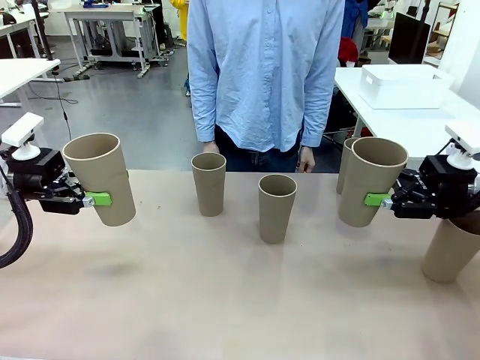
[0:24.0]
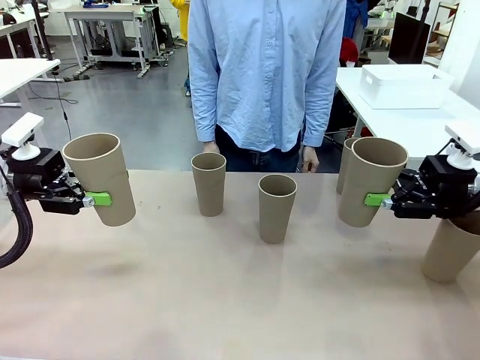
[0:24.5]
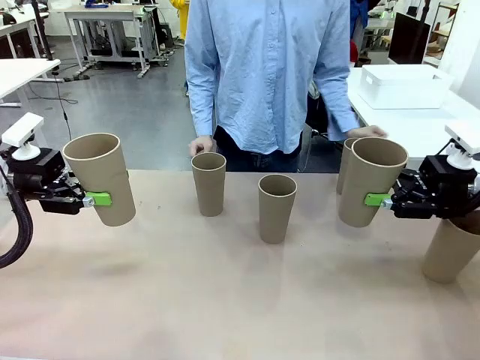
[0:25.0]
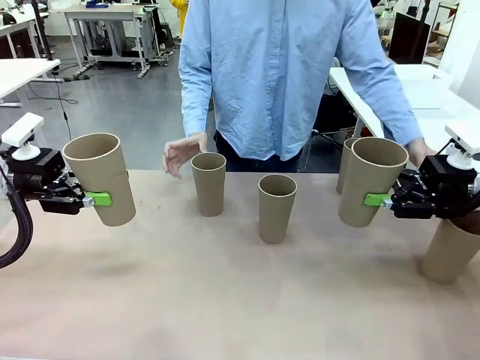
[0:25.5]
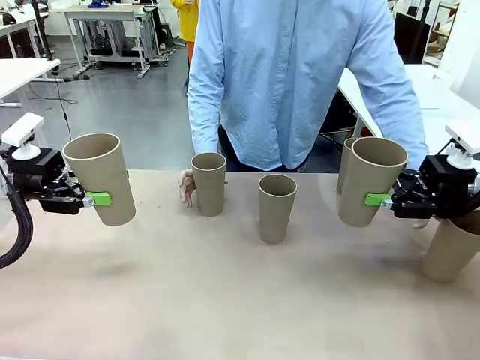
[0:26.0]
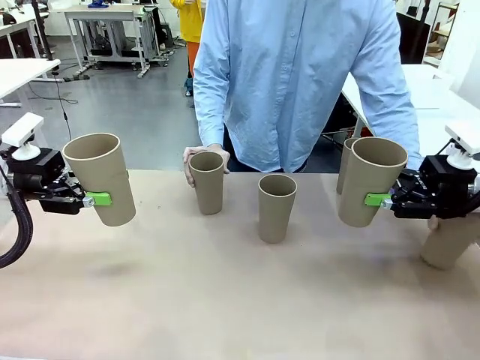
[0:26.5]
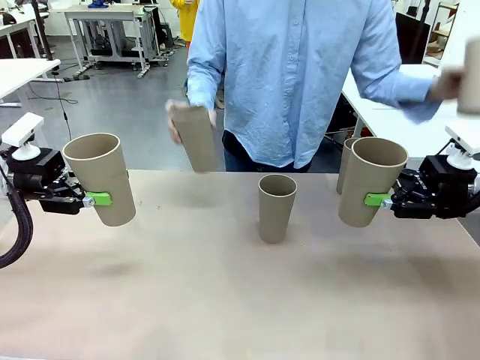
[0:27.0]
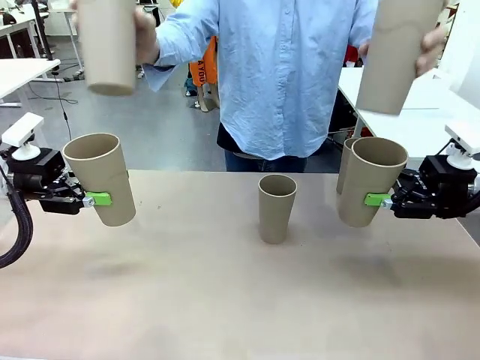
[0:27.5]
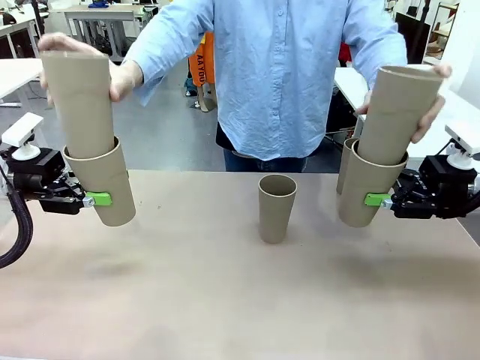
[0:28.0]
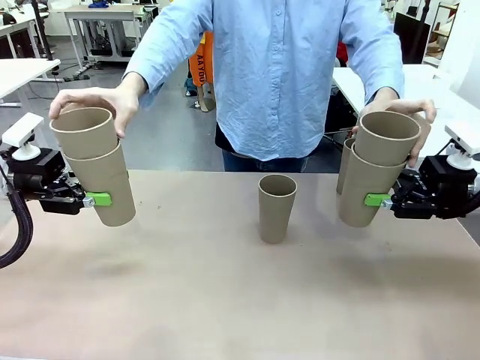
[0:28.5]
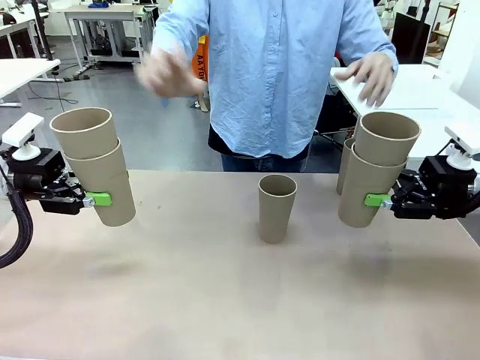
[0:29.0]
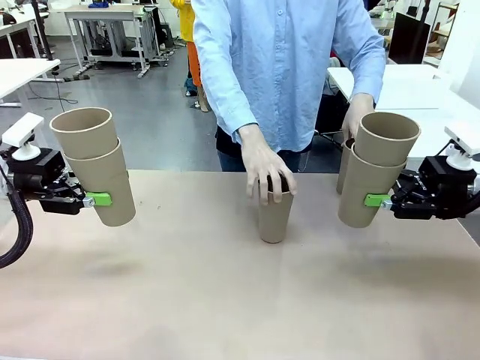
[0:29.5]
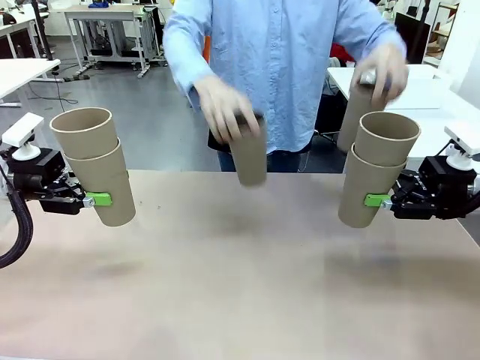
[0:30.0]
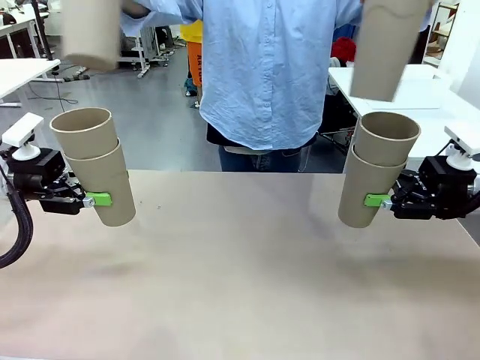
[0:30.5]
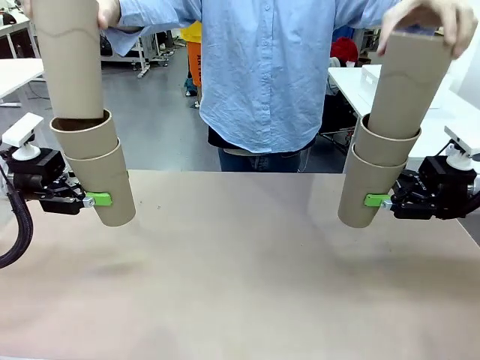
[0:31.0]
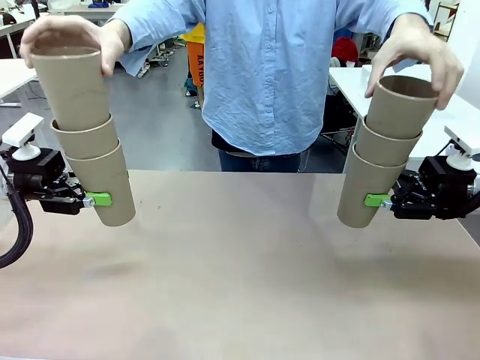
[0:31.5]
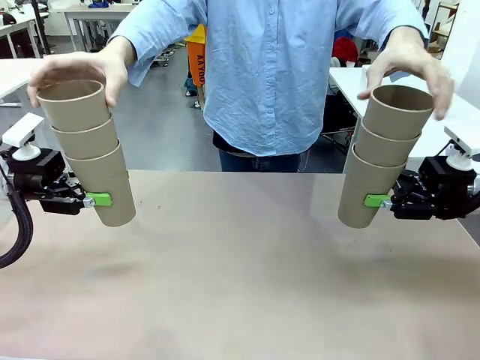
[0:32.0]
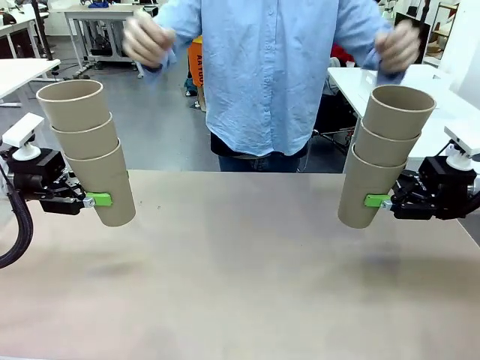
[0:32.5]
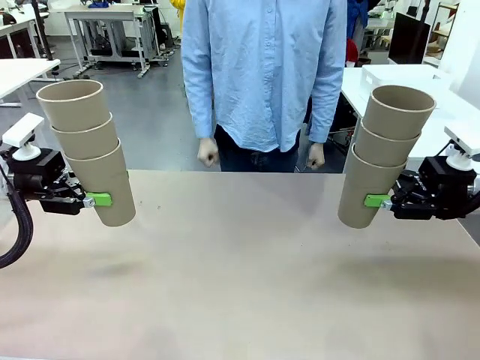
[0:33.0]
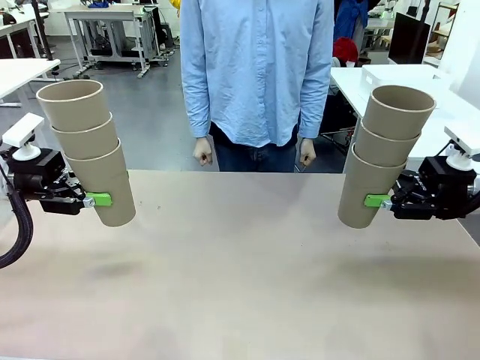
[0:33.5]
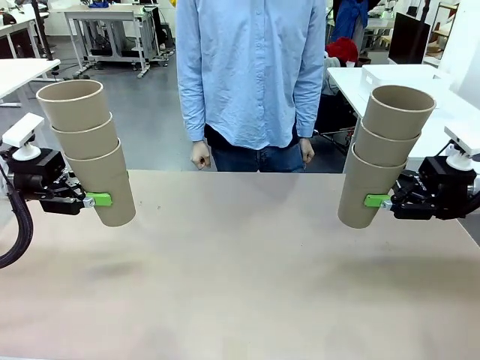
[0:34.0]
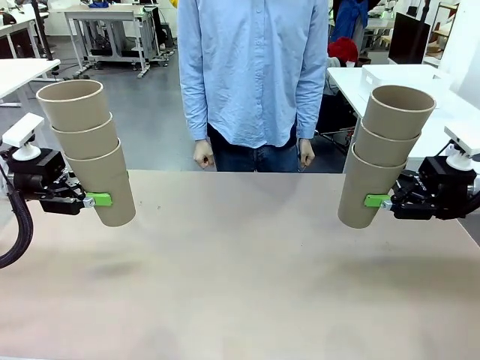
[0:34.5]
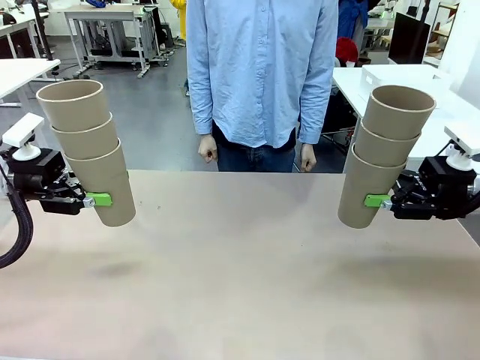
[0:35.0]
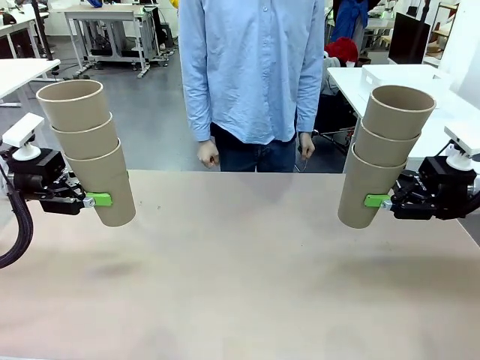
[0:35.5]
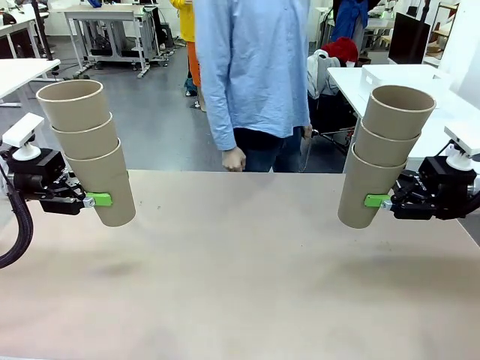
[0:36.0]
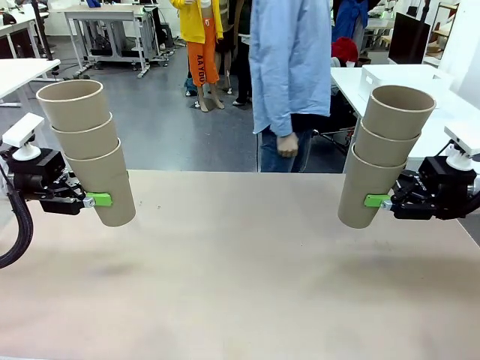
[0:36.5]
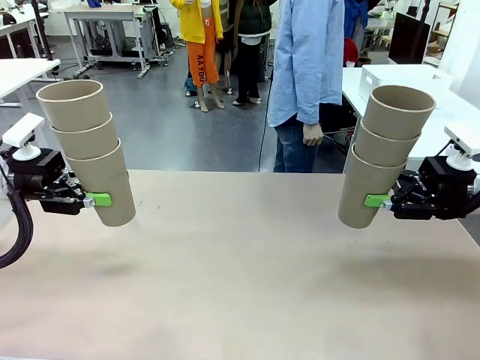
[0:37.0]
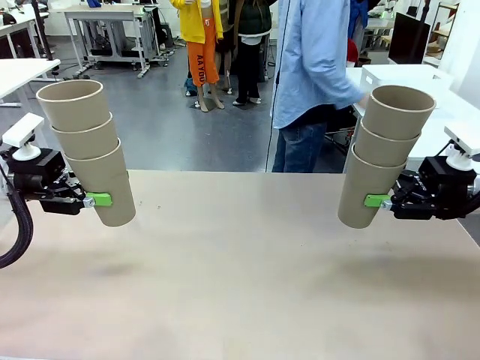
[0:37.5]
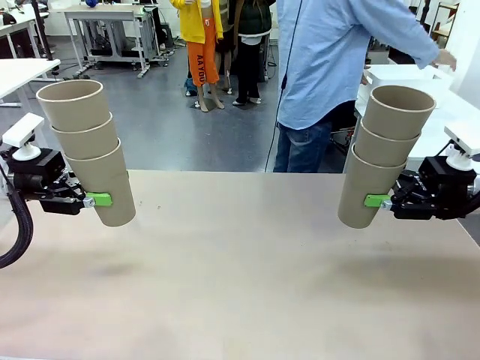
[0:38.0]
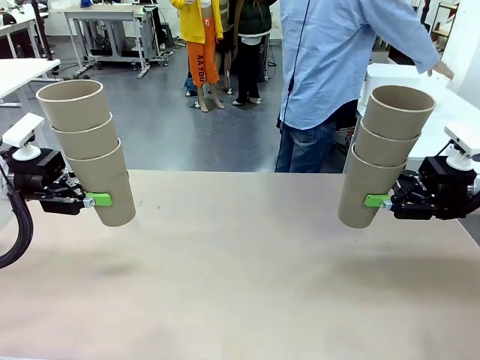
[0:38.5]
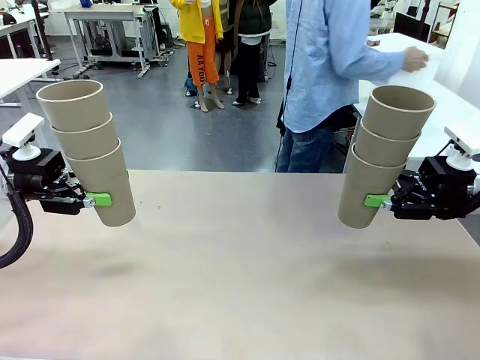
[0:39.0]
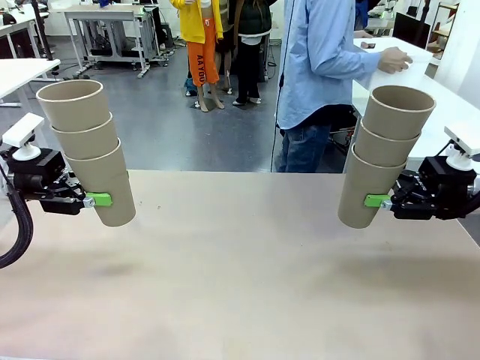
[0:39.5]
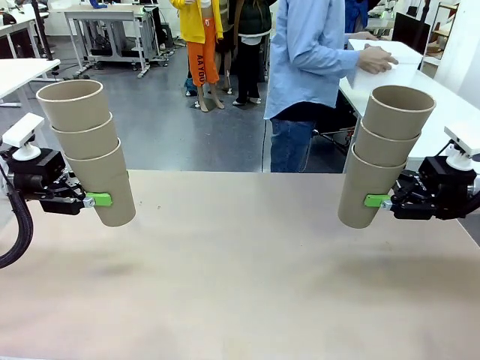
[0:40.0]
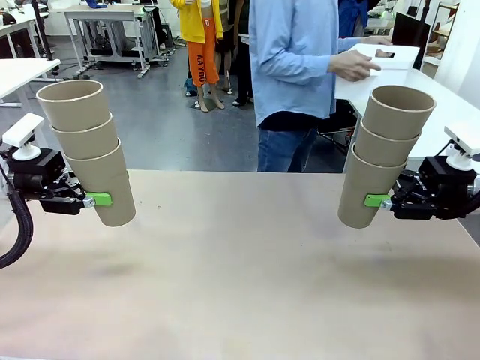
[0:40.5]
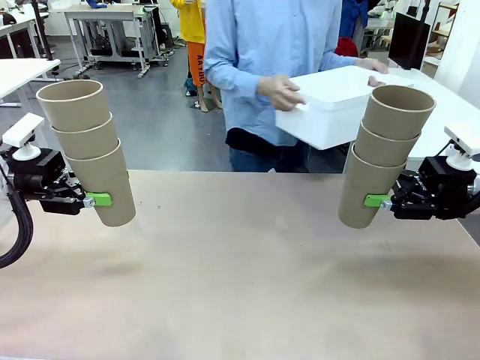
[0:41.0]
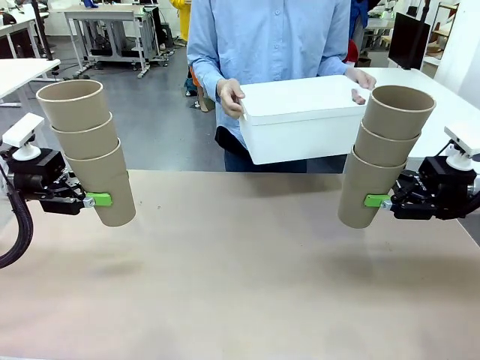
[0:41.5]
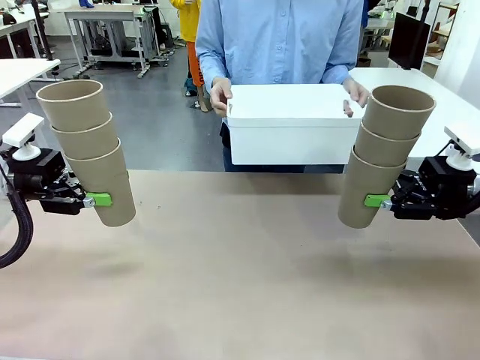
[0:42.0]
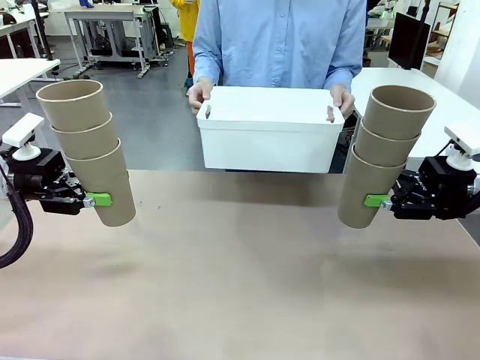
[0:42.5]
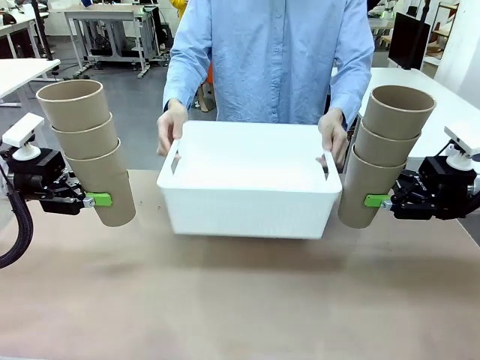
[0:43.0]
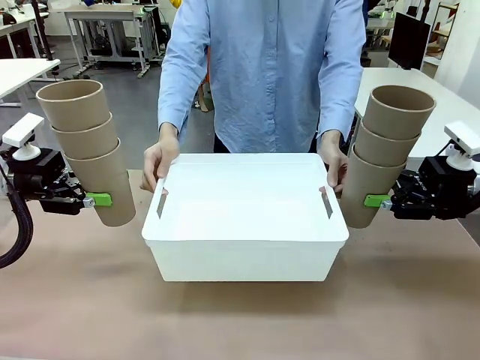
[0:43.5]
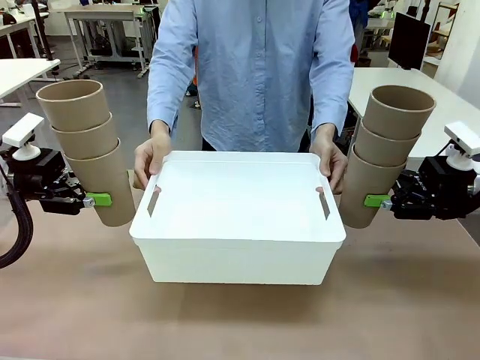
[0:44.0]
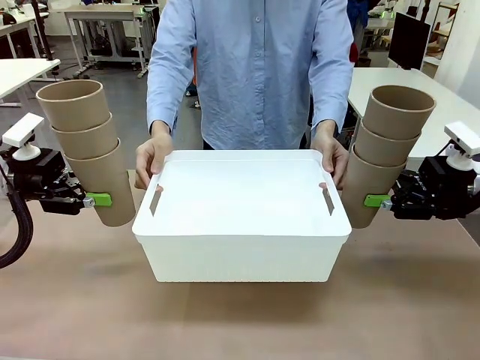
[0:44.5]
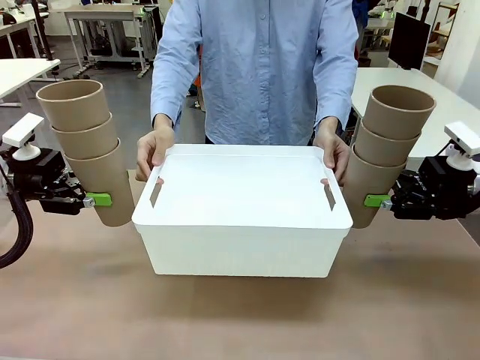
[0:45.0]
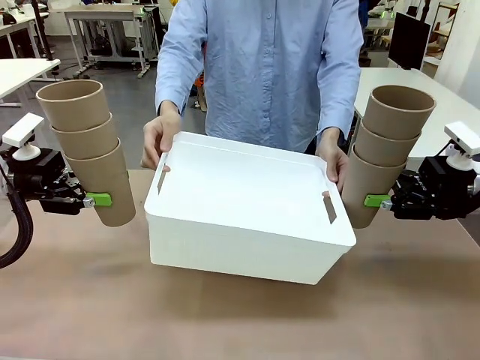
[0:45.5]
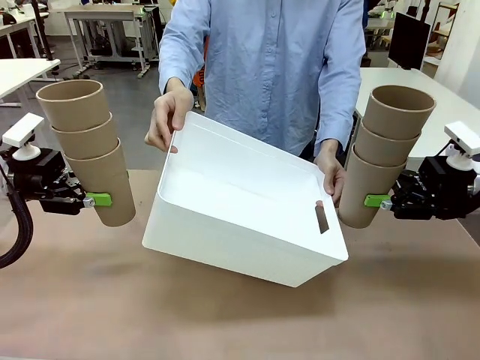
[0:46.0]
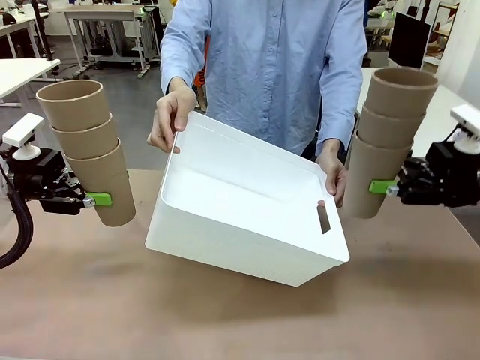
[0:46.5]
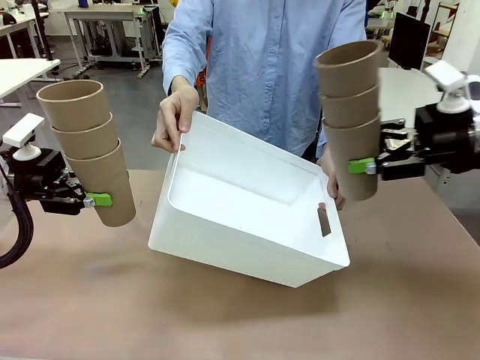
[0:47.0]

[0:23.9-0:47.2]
Task: Stack the cups and store them in the basket.
Robot: Place the stack of Reusable plastic cups into the Pantry Basket.
Person: Pick up the basket from the Human Table, bring it to the front of the robot, and present it.
